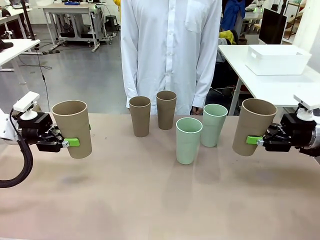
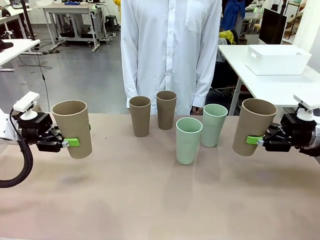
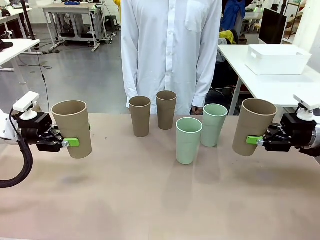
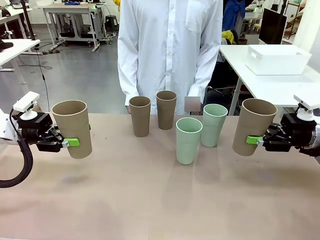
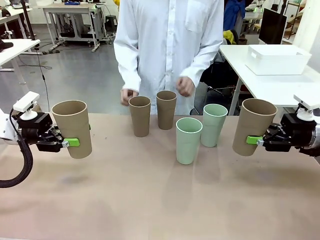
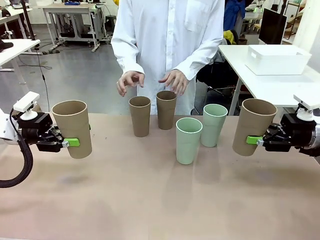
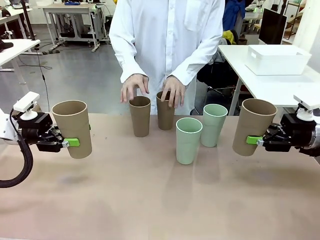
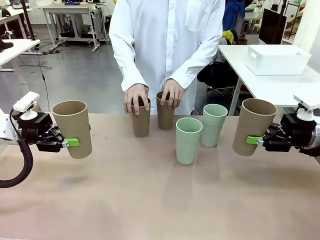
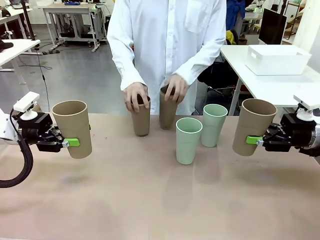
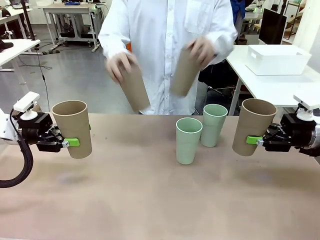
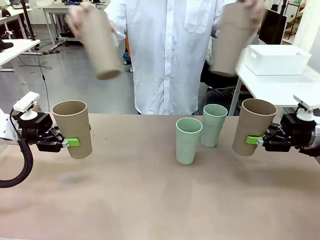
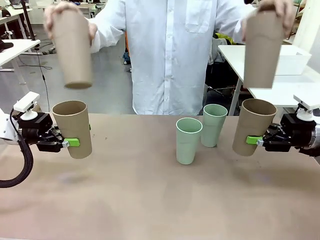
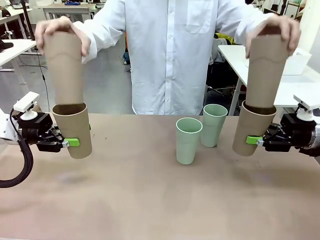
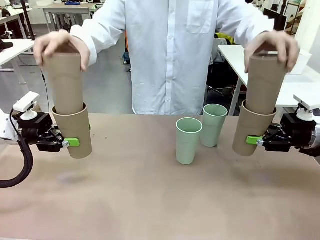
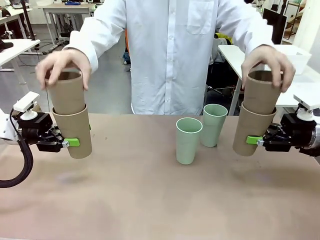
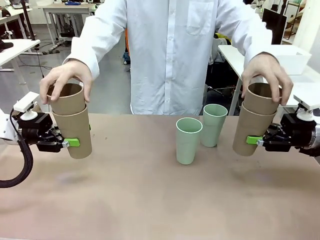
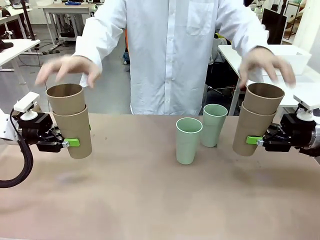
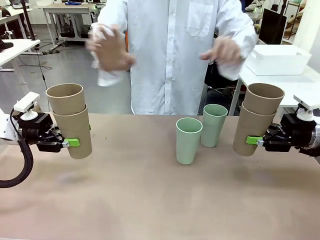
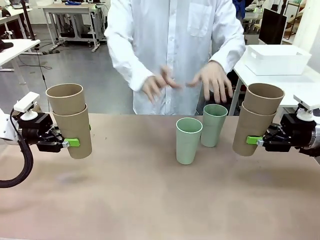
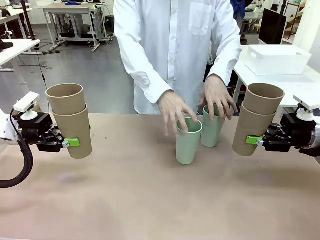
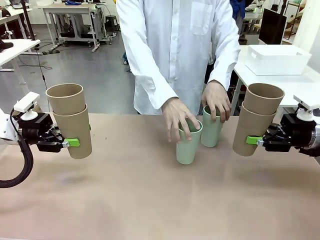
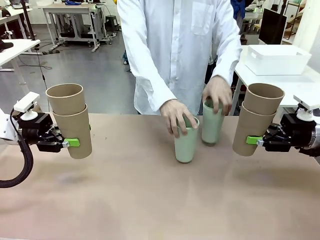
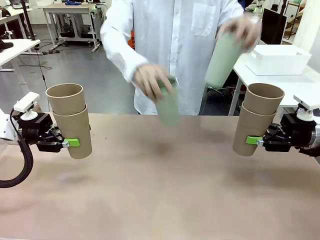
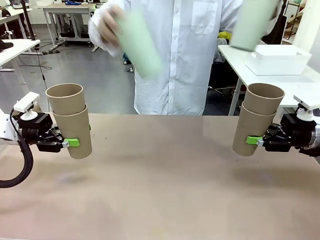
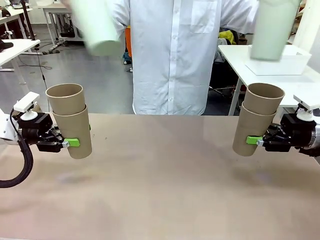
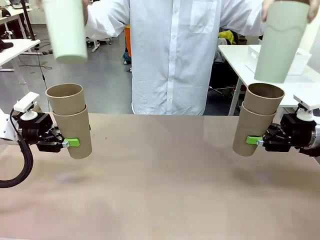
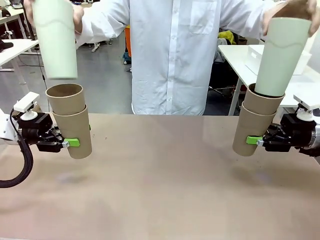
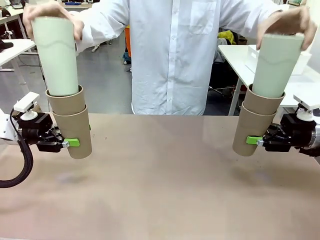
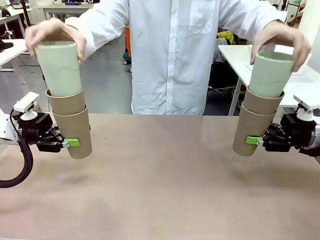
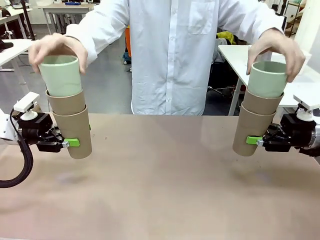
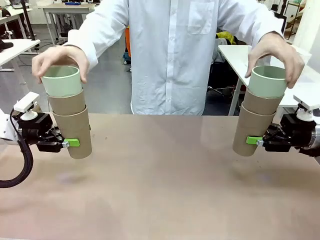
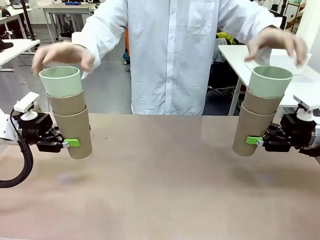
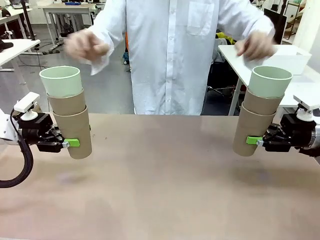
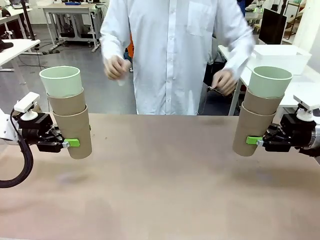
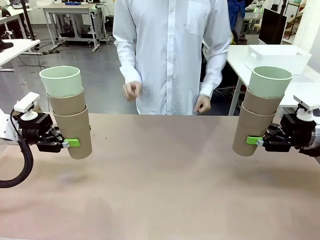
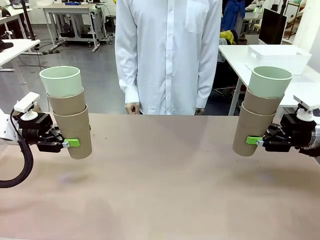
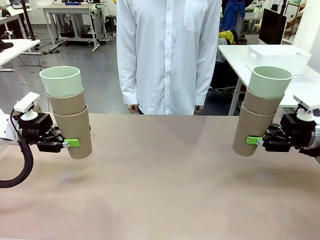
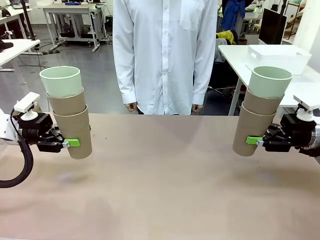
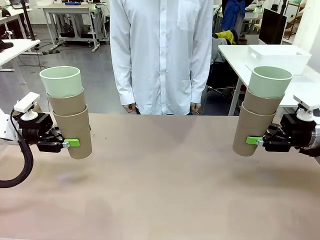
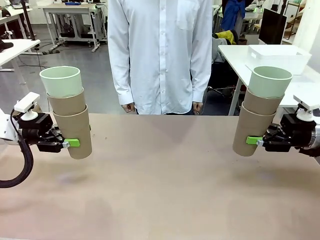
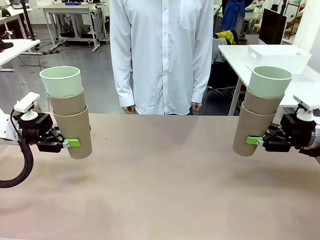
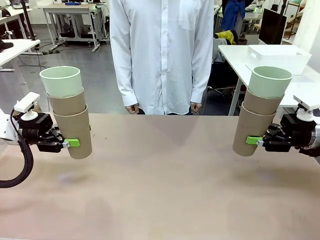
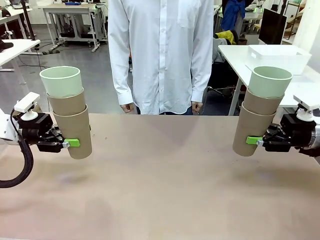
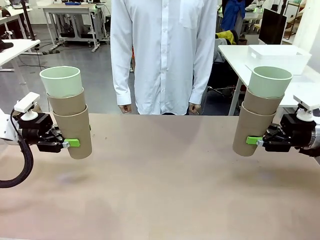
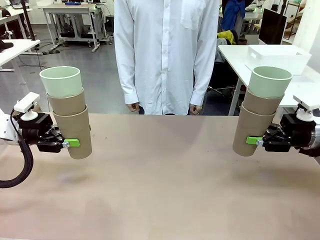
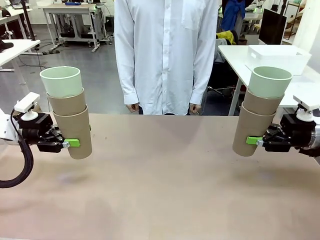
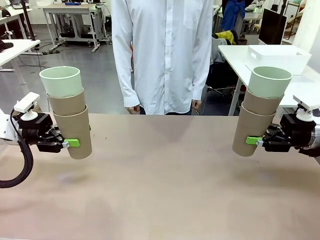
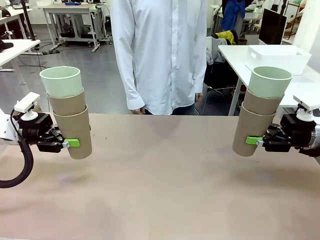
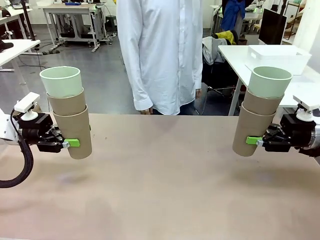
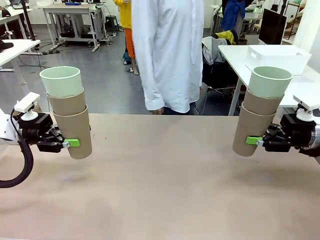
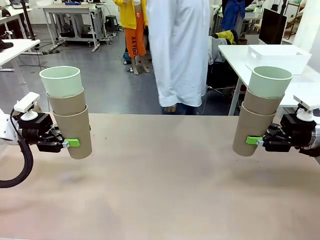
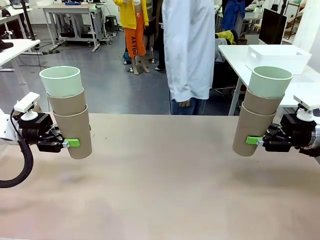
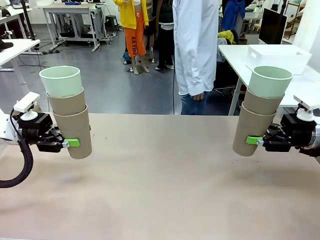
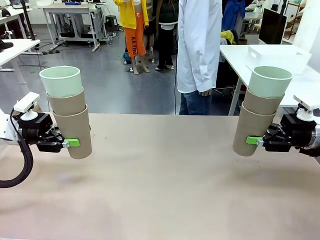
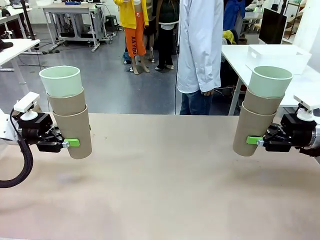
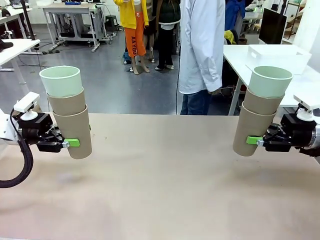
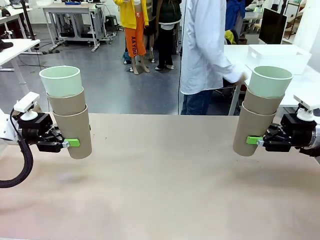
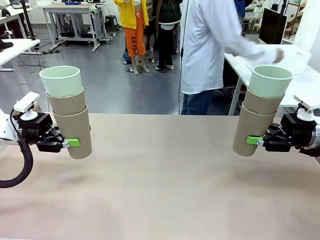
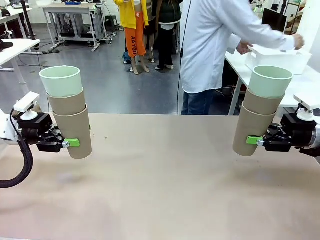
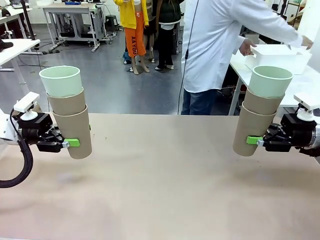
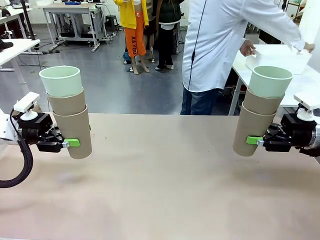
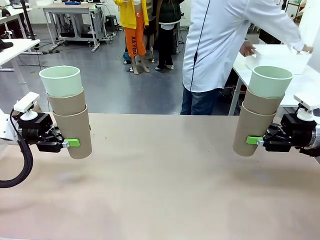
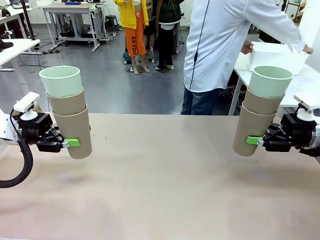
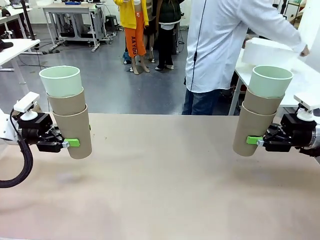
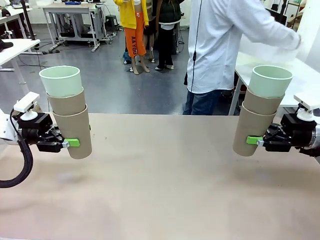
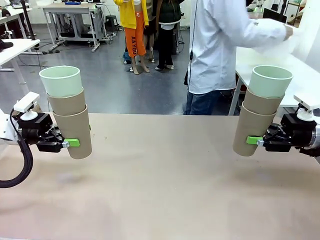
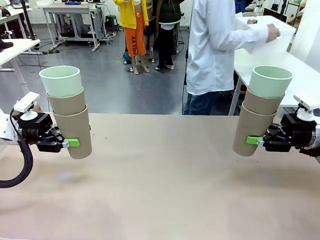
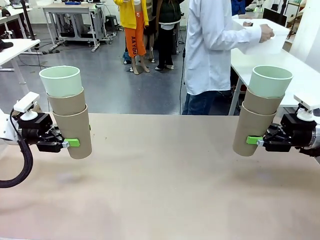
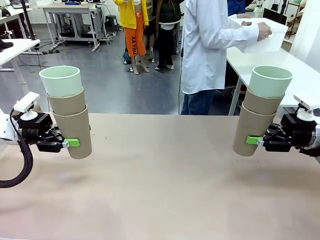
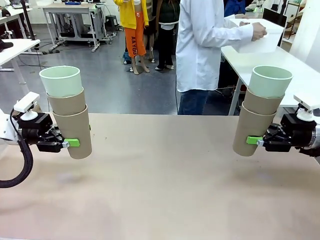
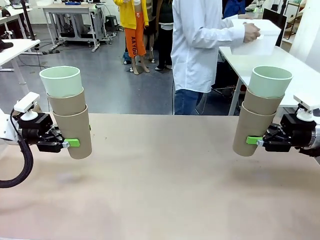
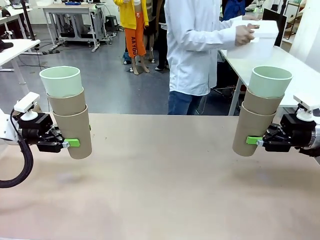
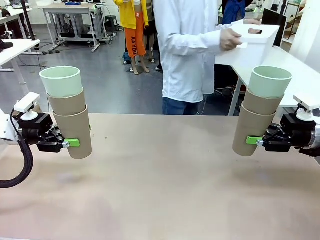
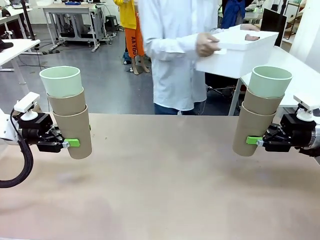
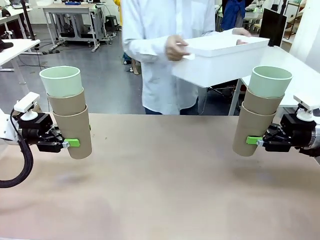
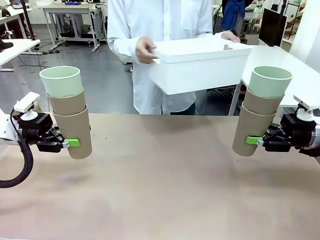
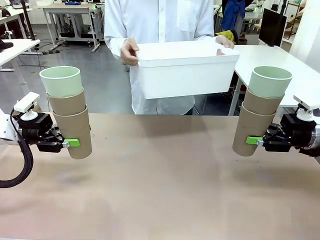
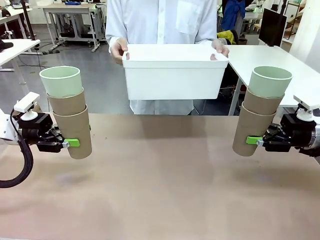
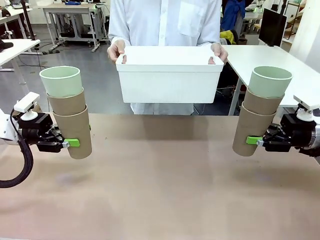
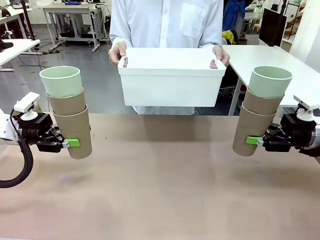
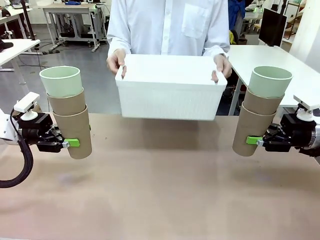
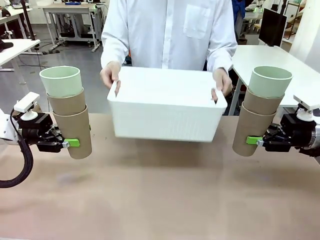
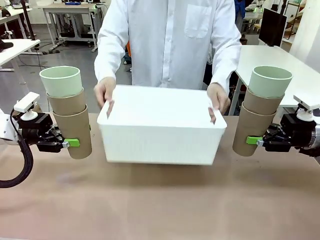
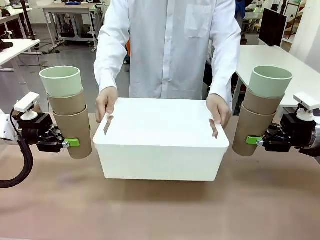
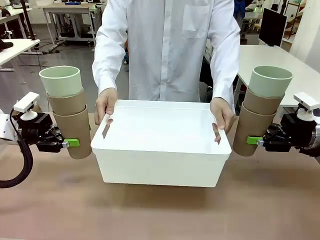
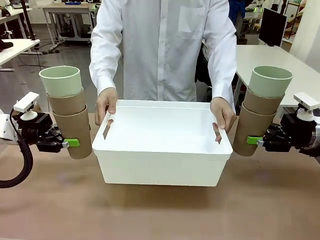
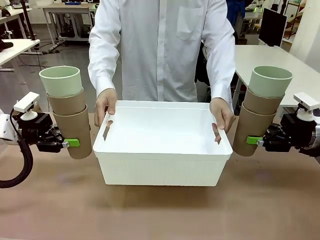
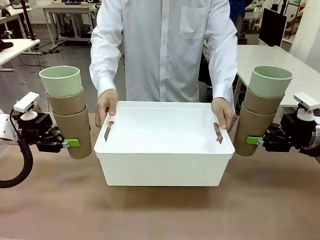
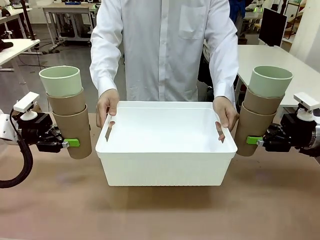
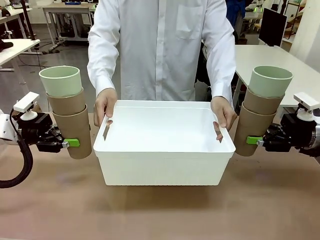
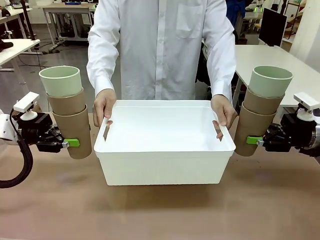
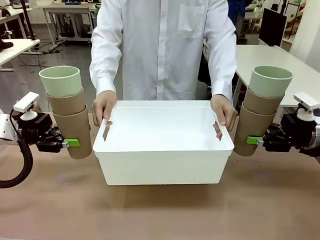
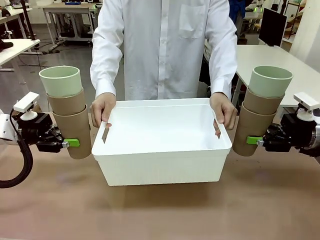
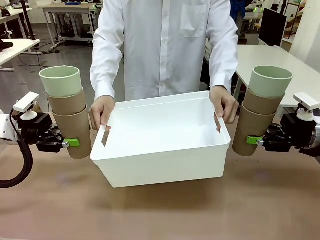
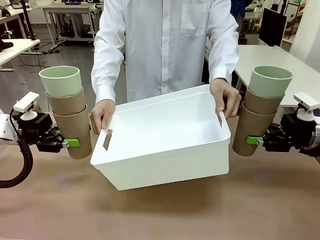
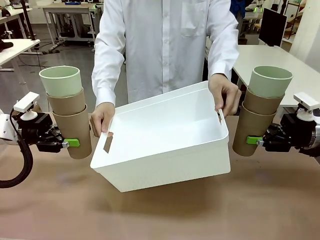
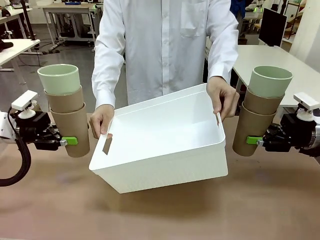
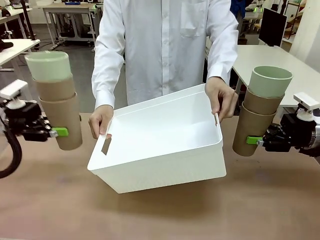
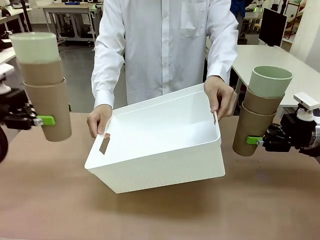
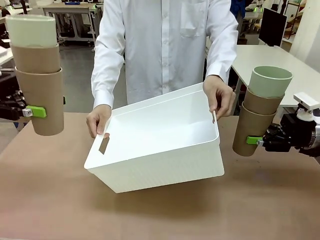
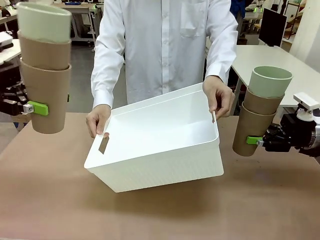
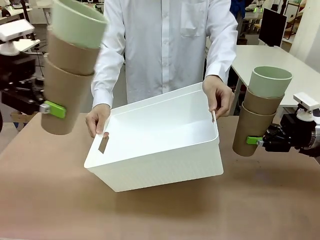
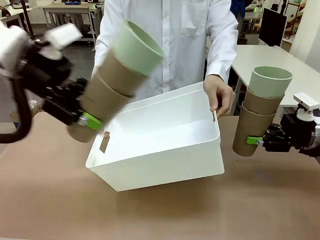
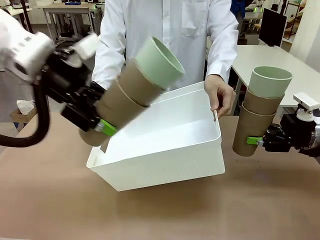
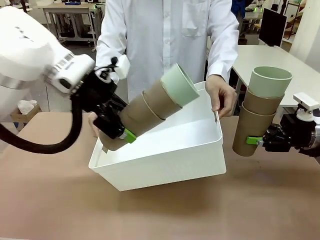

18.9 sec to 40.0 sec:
Task: Stack the cups and store them in the basket.
Robot: Place the stack of Reusable plastic cups into the Pantry Basket.
Person: Pick up the basket from the Human Table, bring it to the front of the robot, and present it.
